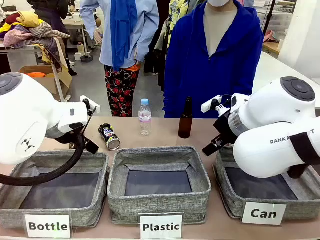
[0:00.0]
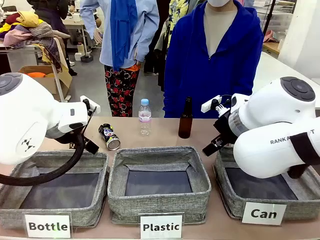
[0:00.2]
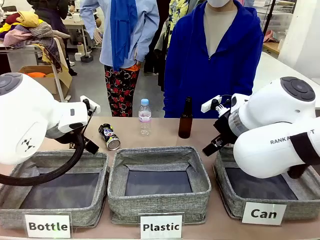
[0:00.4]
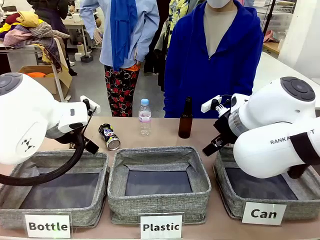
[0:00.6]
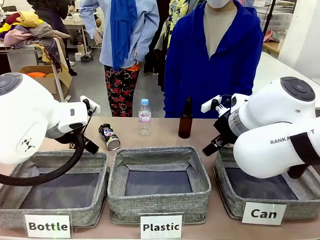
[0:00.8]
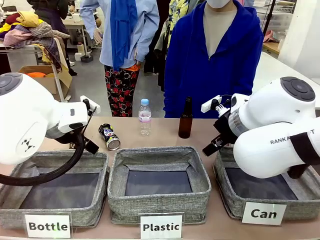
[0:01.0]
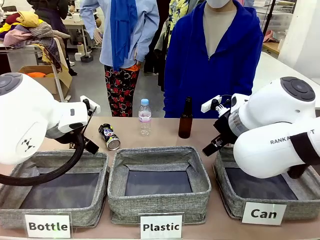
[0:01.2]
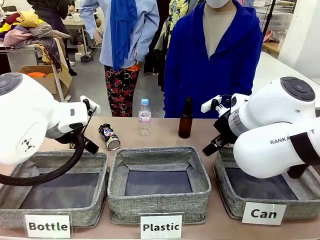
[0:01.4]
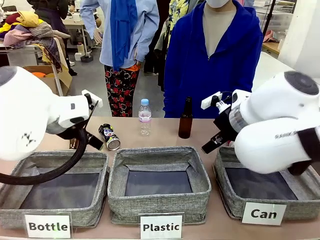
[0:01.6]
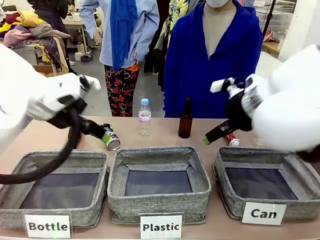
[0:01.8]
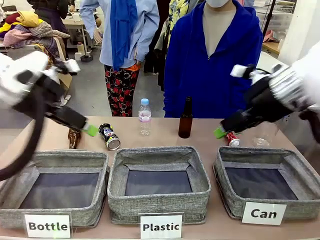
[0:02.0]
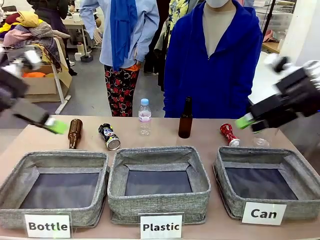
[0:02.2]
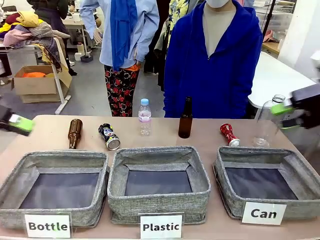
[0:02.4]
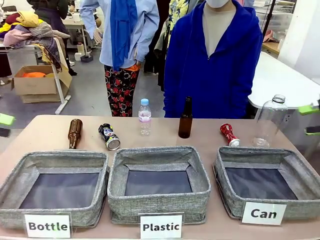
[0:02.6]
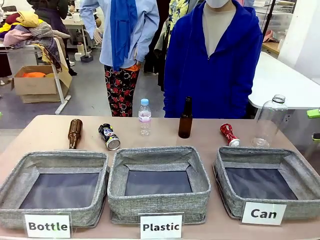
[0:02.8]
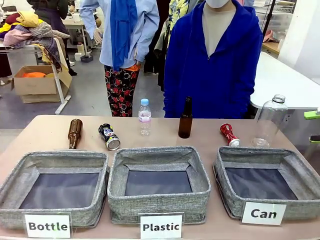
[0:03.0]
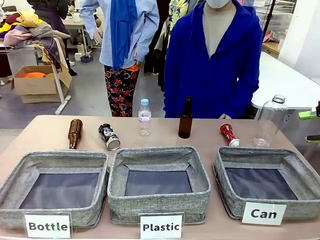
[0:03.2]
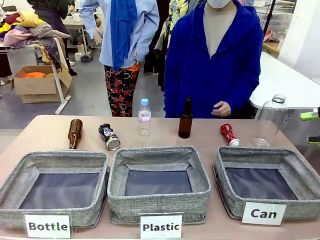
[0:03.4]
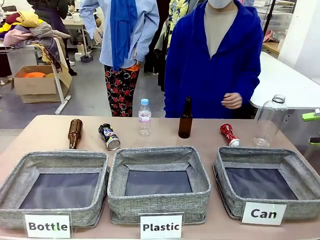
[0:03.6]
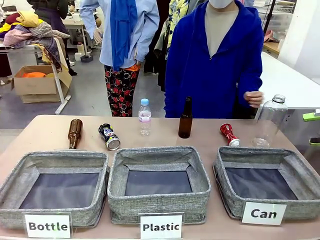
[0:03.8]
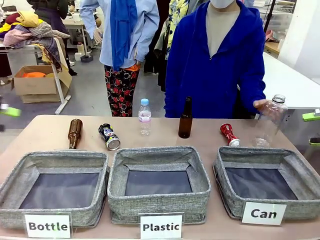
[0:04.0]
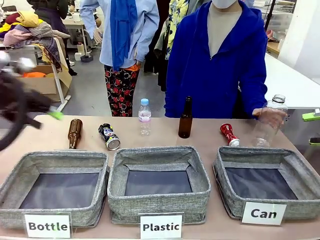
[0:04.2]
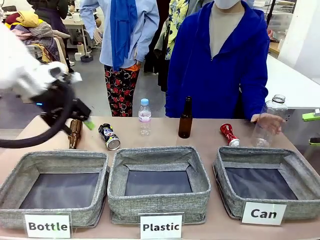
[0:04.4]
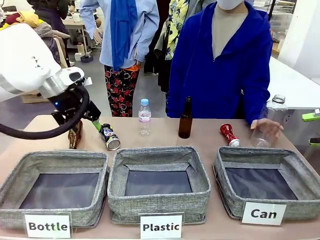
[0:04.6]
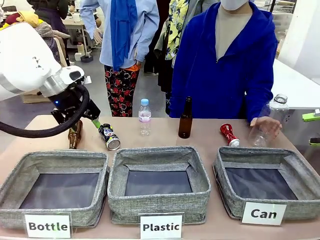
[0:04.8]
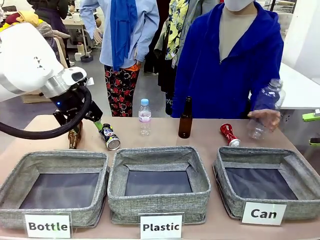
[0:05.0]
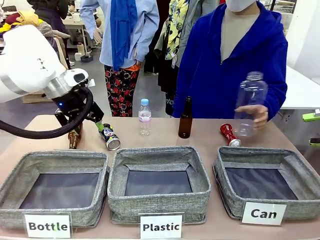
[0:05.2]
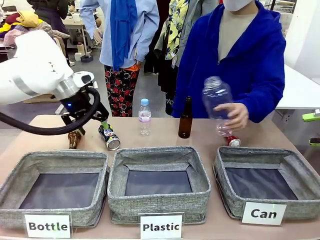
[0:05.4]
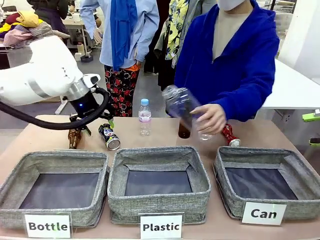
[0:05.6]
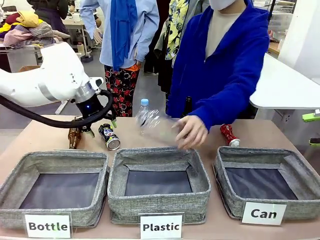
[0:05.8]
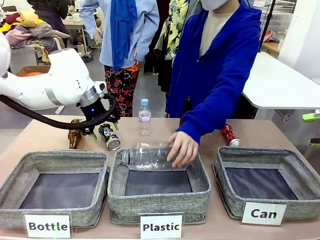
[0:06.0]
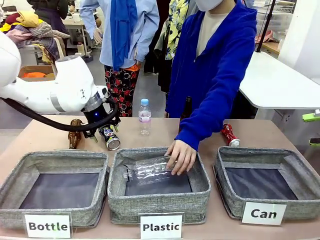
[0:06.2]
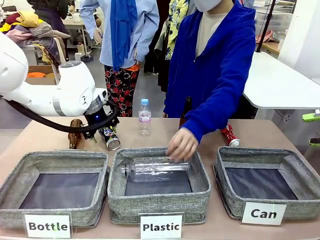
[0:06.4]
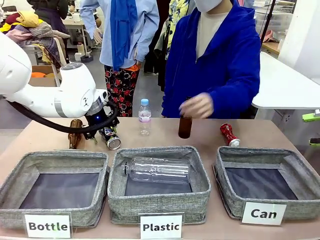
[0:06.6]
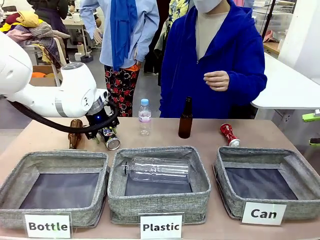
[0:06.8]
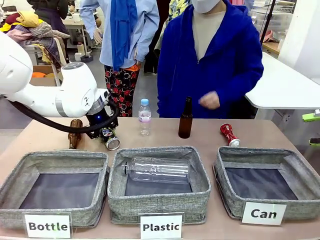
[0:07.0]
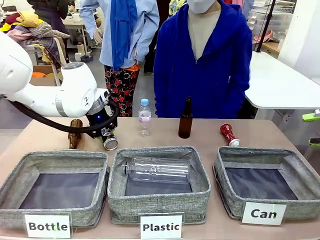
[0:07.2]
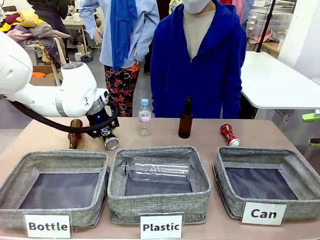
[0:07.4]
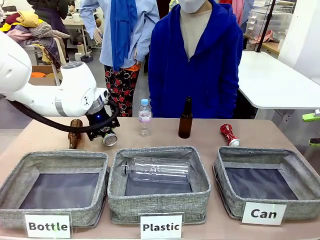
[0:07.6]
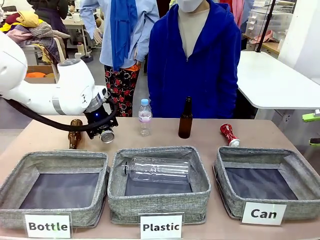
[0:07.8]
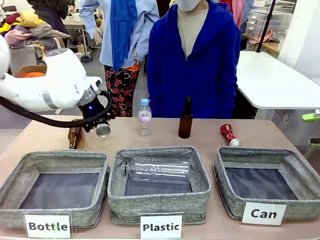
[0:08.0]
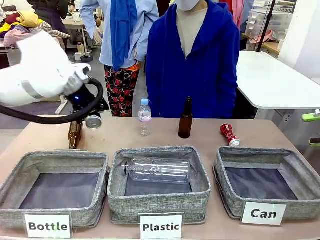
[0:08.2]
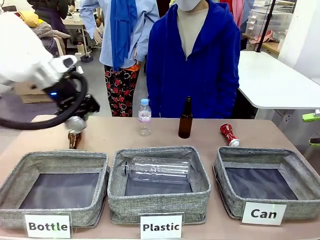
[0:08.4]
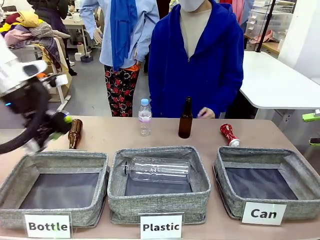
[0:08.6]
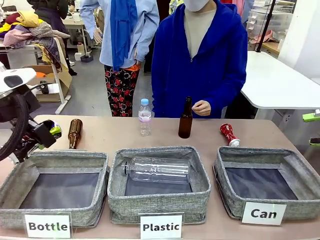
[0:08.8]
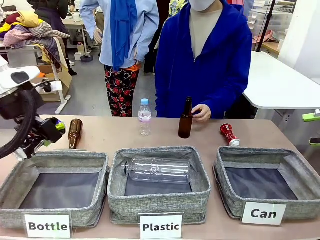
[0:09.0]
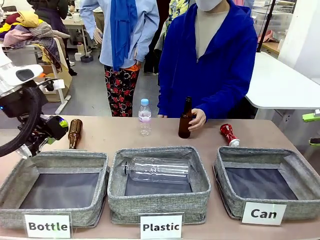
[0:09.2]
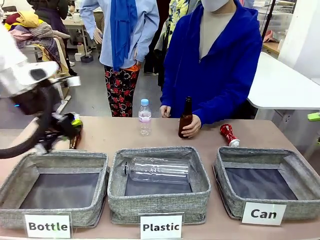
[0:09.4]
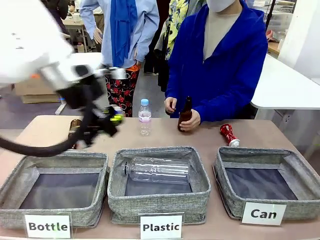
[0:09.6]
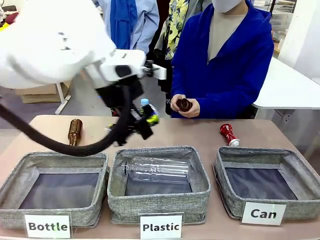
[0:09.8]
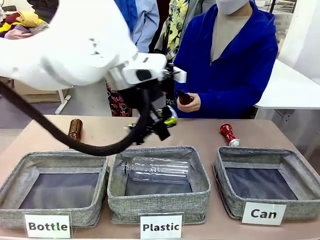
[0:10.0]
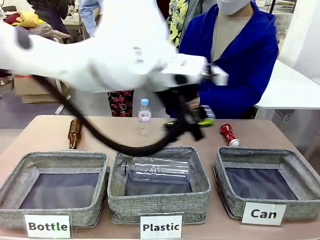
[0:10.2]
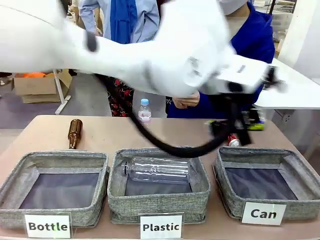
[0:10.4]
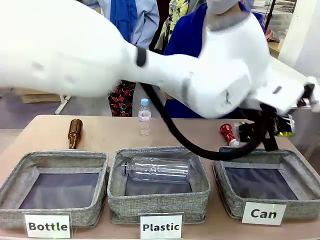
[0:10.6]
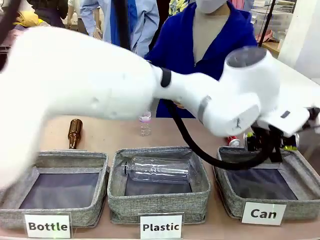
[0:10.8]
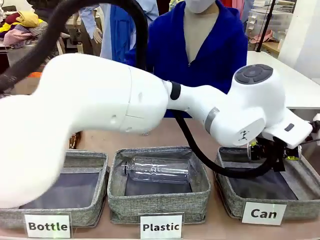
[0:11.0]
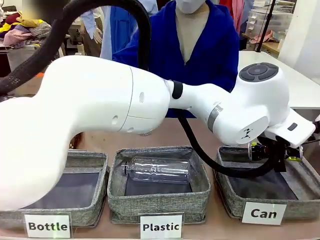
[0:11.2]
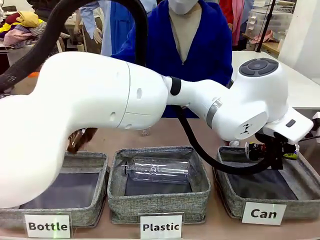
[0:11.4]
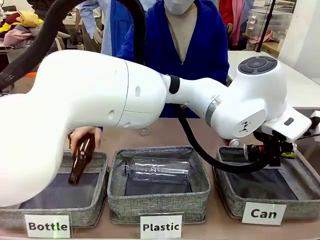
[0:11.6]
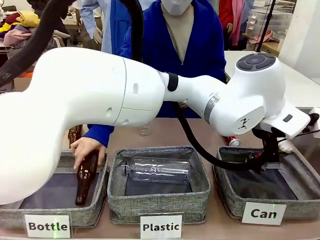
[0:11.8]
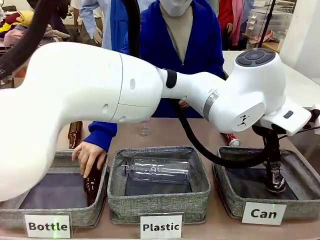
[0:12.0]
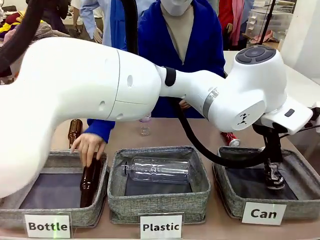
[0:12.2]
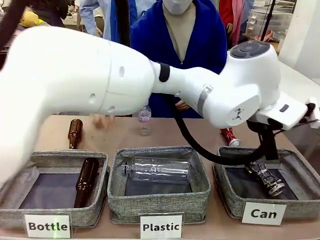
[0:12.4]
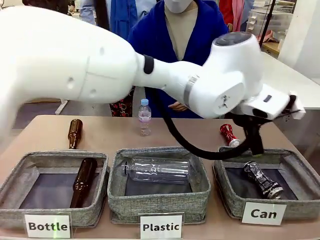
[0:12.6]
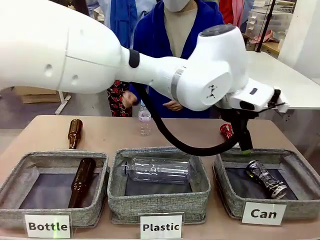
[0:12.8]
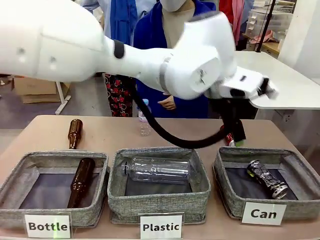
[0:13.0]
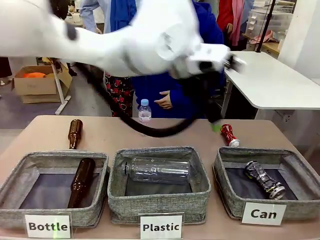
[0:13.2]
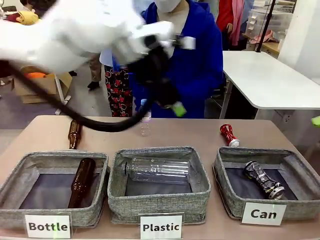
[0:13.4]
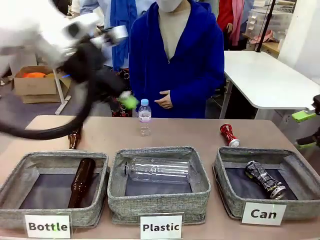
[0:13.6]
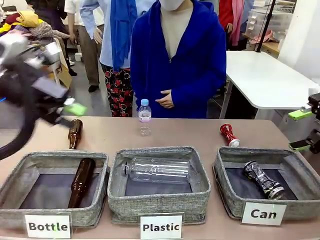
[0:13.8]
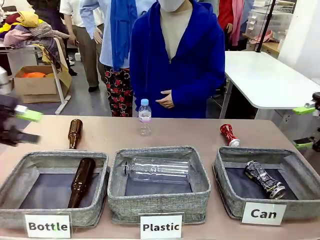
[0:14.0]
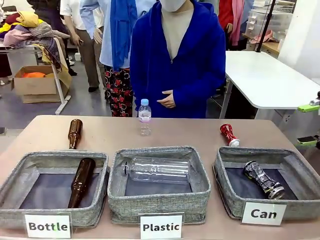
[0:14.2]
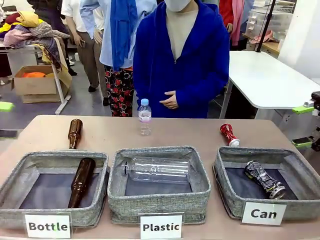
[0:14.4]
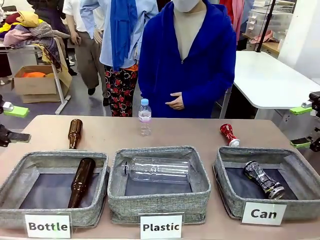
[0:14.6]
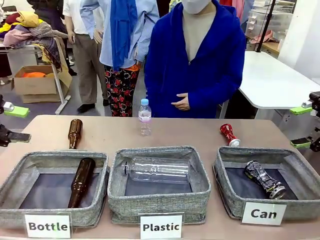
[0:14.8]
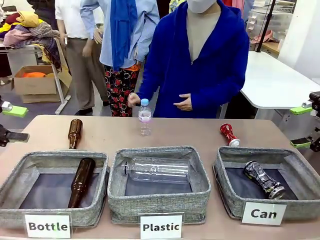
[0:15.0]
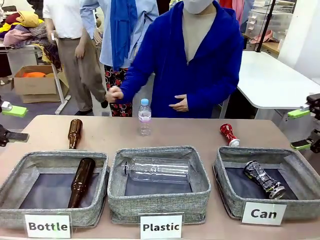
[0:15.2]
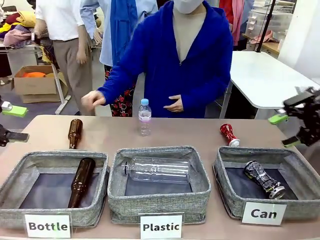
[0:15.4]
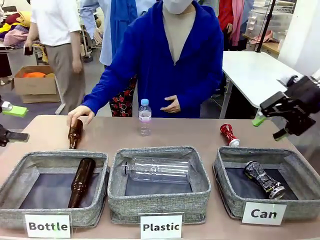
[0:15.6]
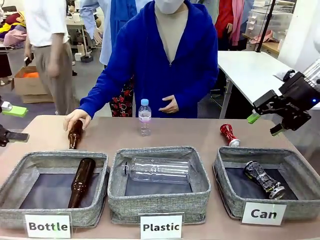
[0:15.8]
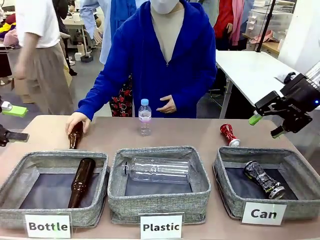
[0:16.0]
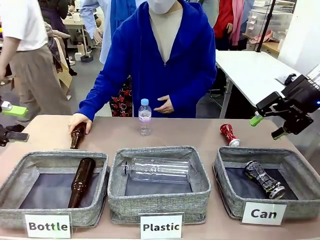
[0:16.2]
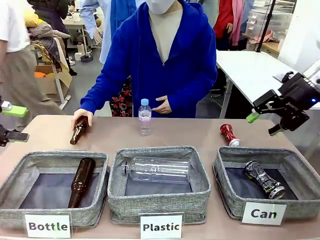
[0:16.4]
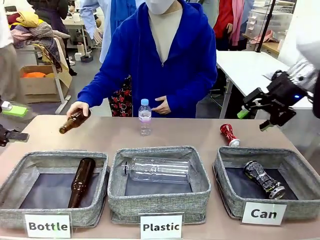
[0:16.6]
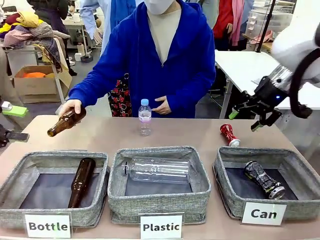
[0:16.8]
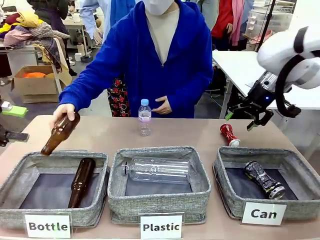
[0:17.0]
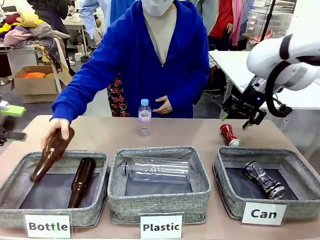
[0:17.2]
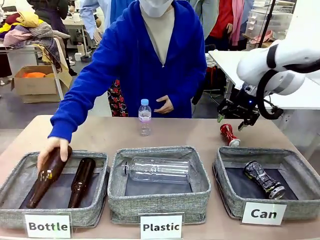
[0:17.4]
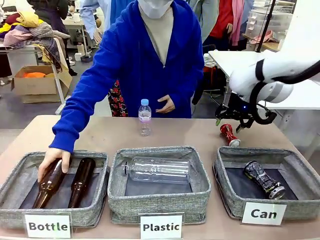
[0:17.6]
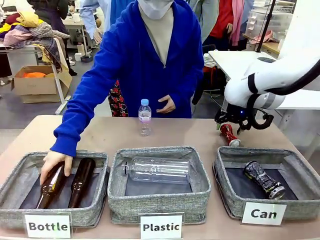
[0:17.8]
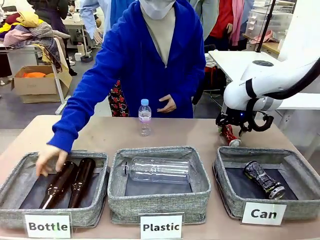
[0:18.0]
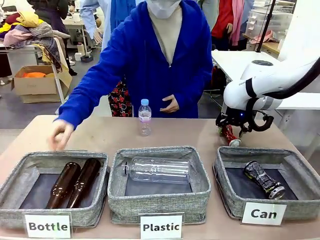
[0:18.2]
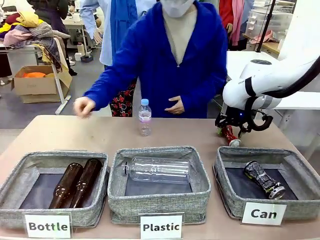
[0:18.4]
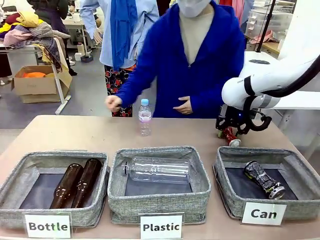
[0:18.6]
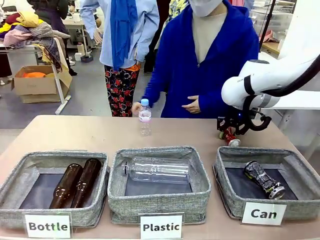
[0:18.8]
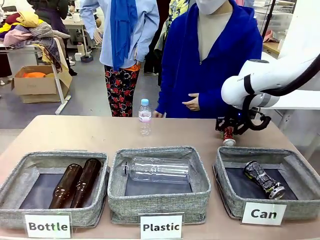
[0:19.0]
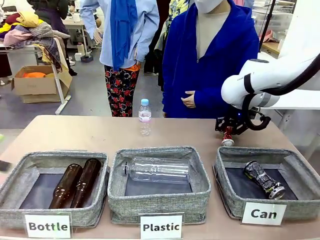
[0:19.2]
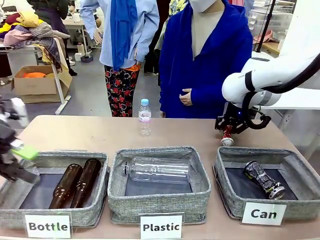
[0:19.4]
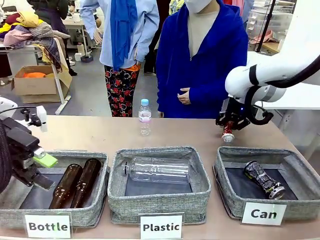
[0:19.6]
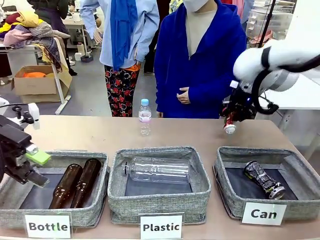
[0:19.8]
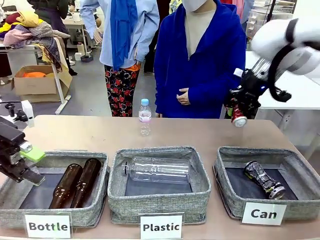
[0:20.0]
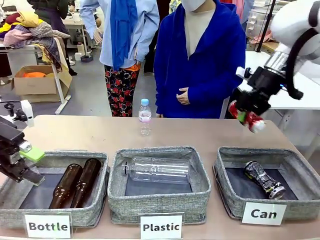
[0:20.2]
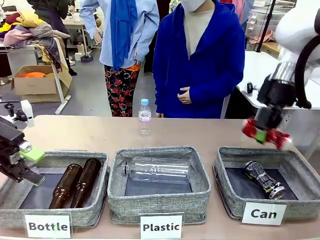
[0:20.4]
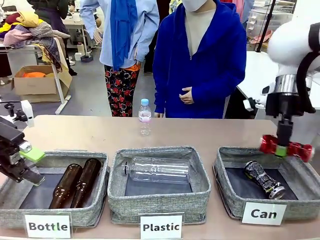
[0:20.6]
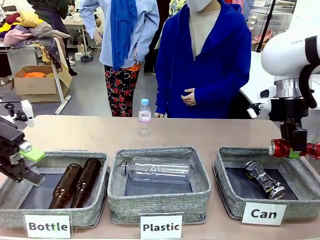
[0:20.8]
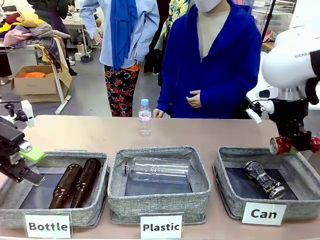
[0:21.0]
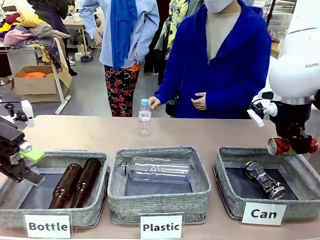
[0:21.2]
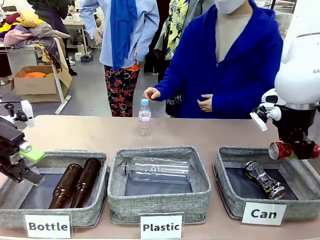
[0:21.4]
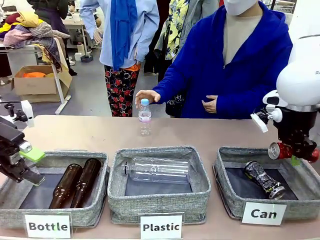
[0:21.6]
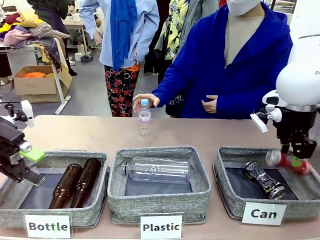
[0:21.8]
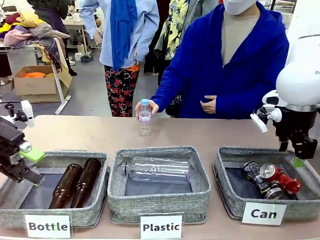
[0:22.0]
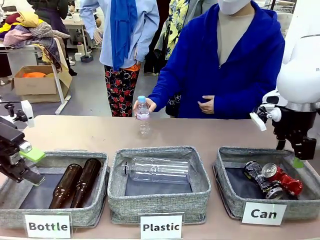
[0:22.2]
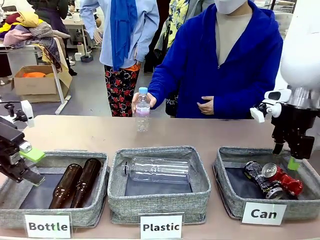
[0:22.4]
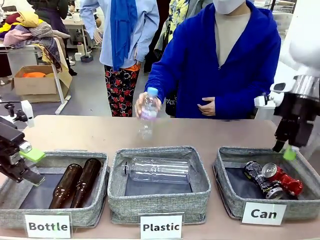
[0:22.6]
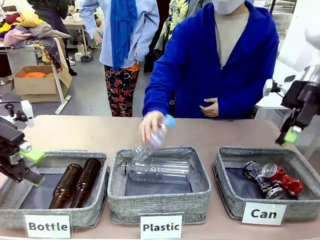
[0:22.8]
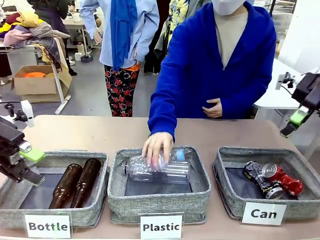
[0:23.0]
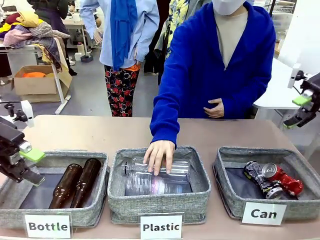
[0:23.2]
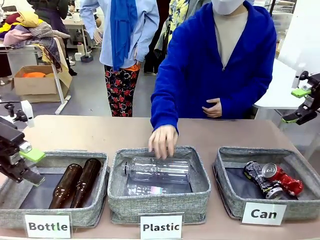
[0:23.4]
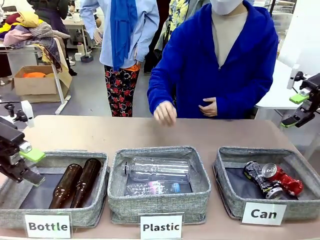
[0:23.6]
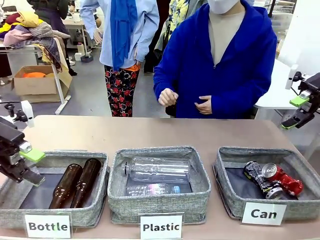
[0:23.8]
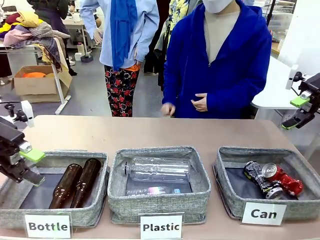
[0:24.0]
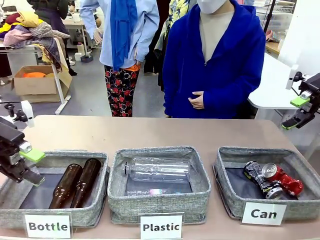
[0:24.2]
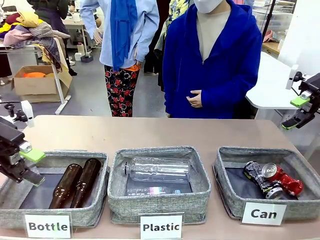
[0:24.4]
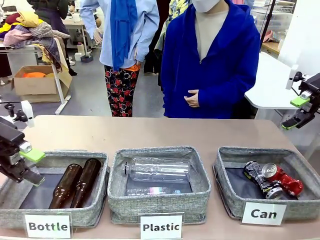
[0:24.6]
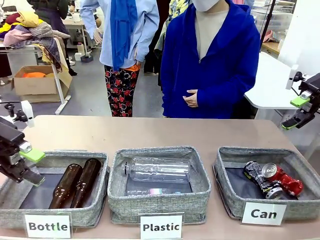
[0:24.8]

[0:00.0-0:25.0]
Task: Sort the can waste into the basket.
Robot: Pick up the can waste from the table and place it in the right Fabric basket.
Person: The human picks up one piece of trash that is not a can and places the trash into the appropriate organizing basket.
